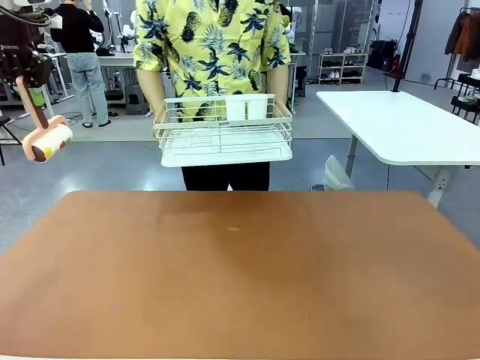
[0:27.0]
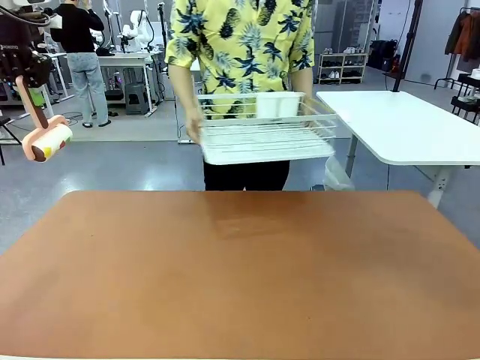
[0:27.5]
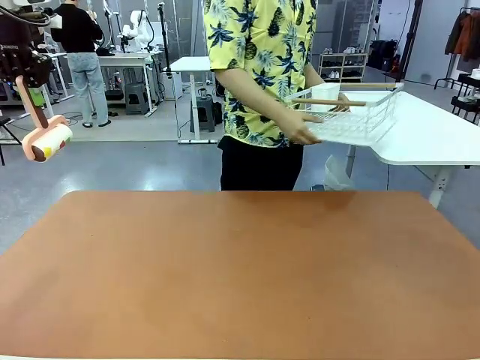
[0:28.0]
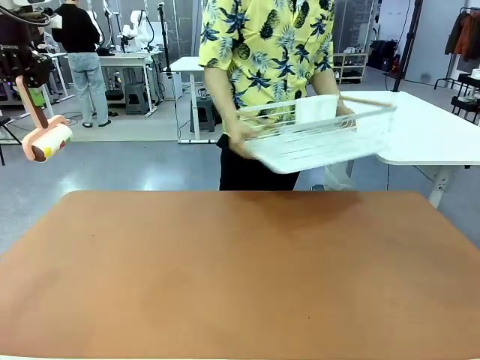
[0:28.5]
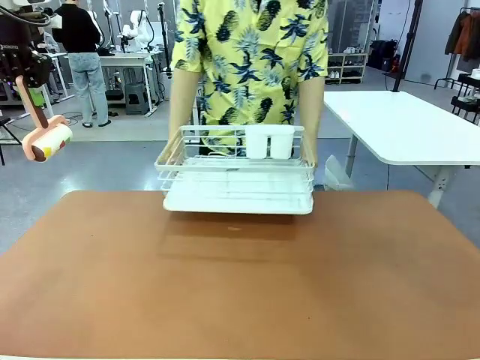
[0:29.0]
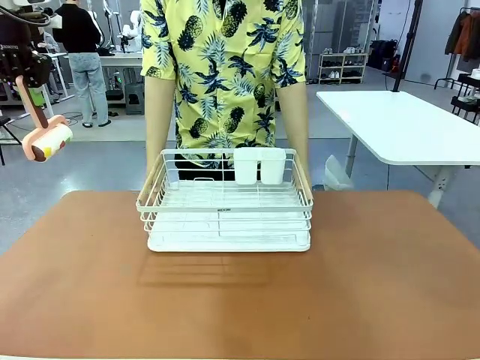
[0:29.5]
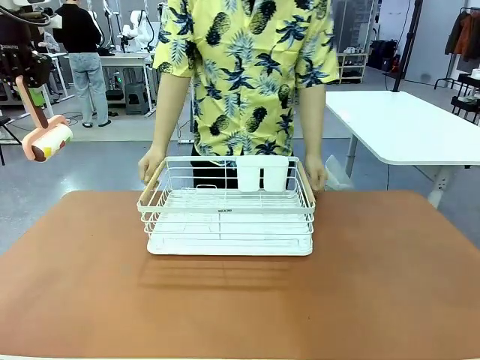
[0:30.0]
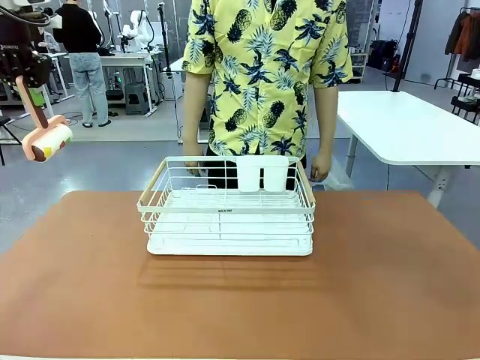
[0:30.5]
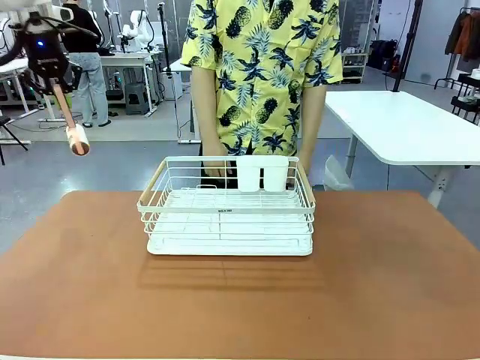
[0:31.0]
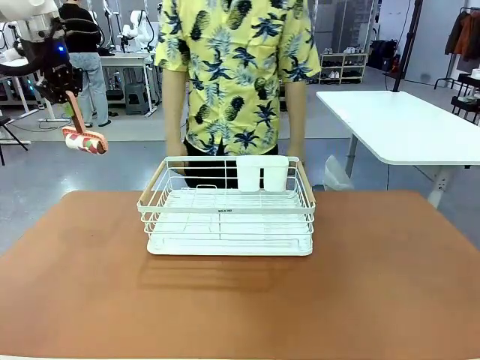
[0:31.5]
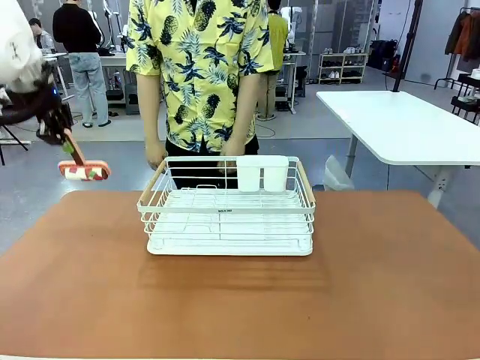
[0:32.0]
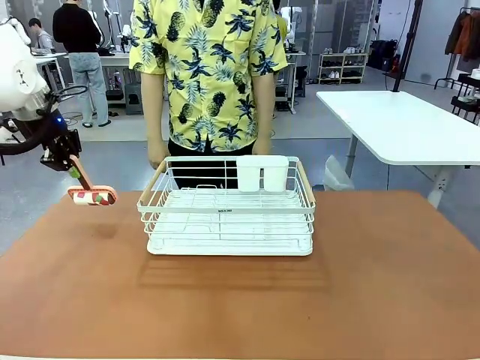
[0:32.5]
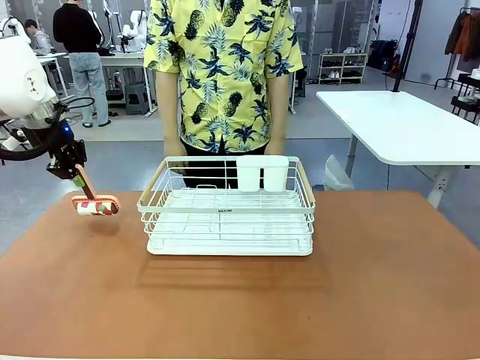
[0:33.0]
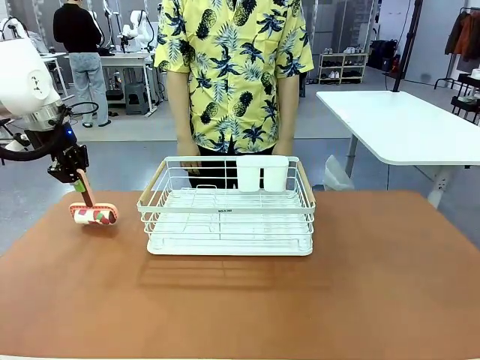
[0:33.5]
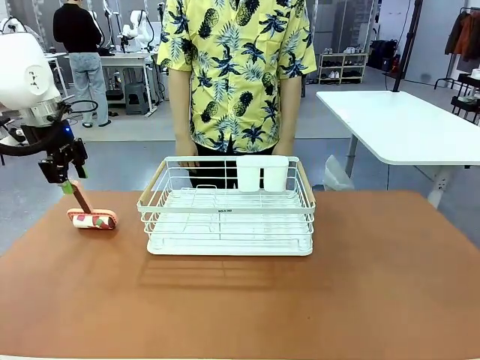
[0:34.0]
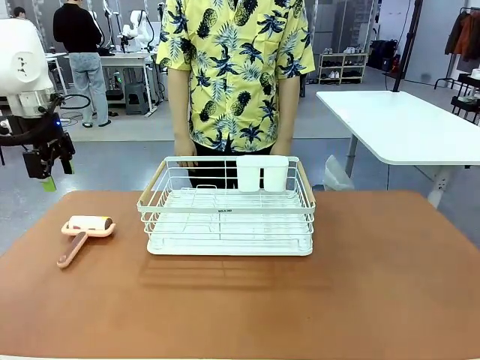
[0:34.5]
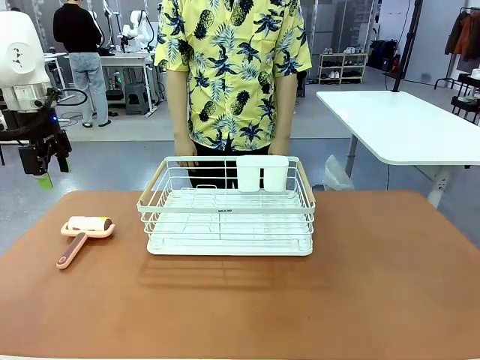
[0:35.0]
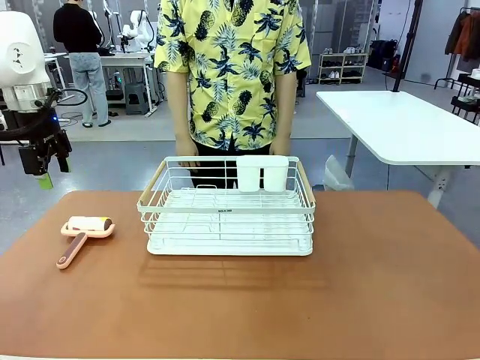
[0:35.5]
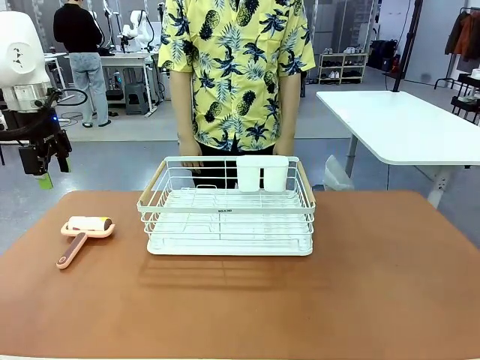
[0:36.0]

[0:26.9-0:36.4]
Task: Clean the table.
Robot: Place the Lint Roller down when the Dish drying rack is positioned in the middle of the table.

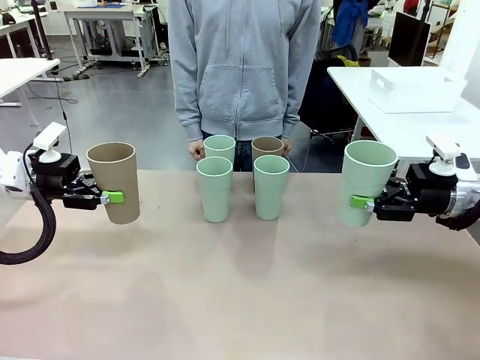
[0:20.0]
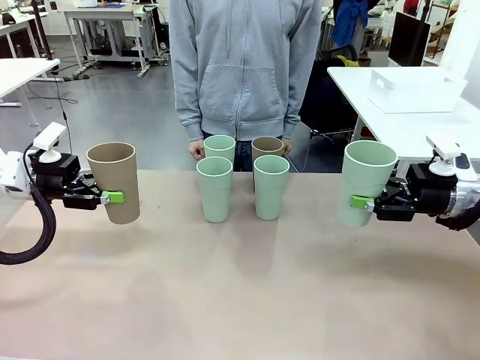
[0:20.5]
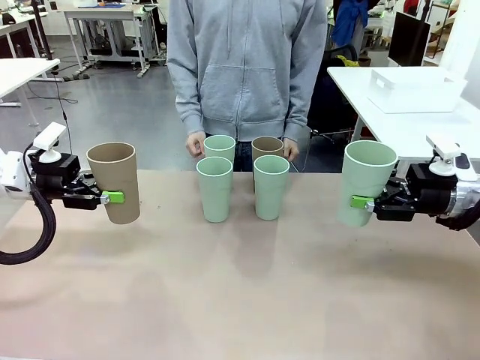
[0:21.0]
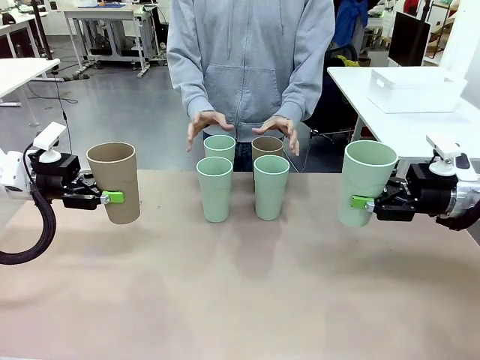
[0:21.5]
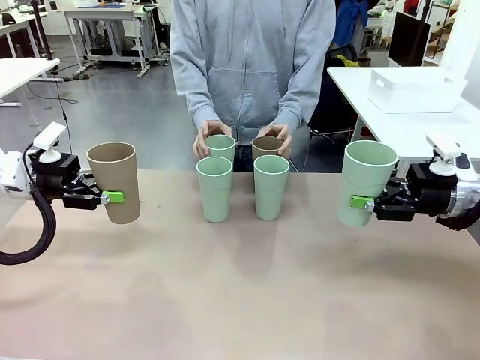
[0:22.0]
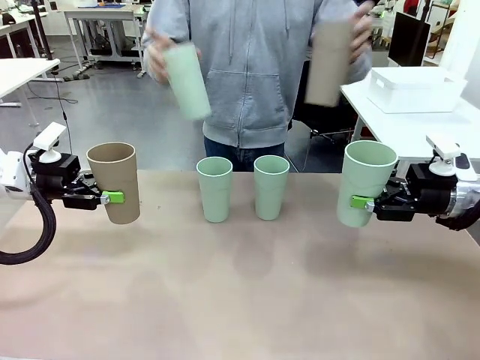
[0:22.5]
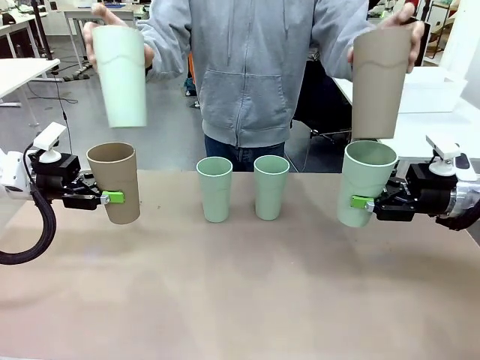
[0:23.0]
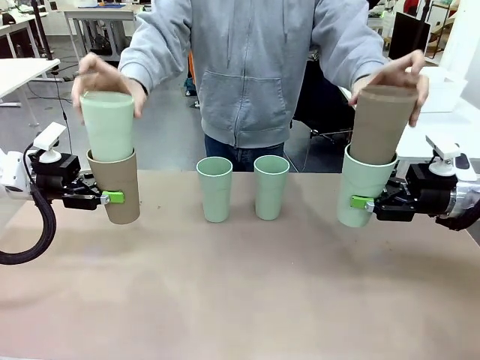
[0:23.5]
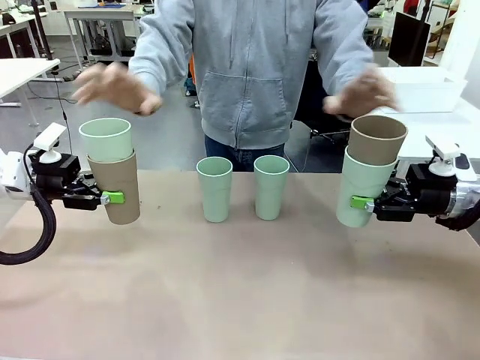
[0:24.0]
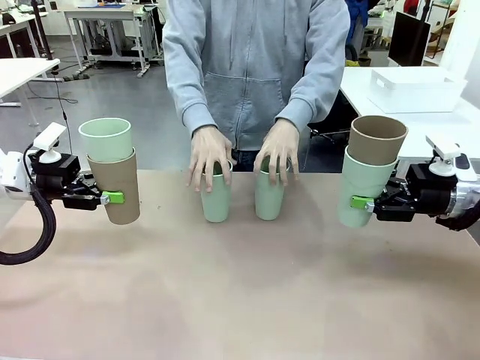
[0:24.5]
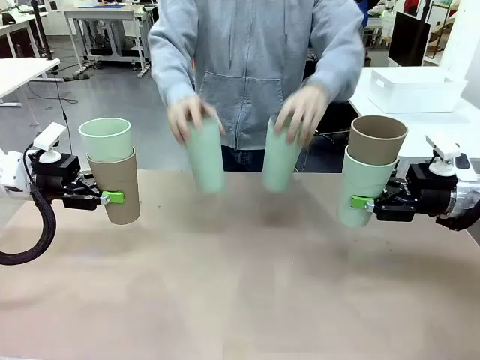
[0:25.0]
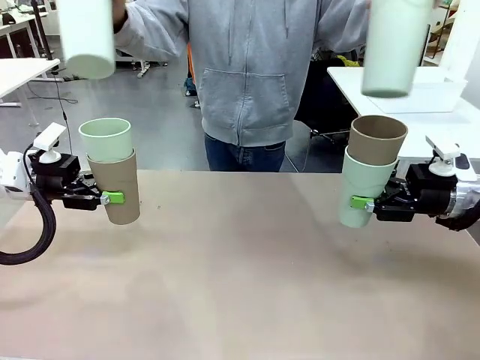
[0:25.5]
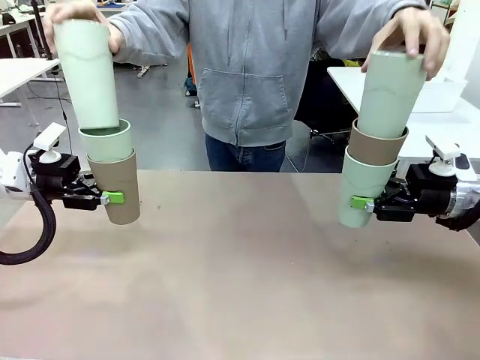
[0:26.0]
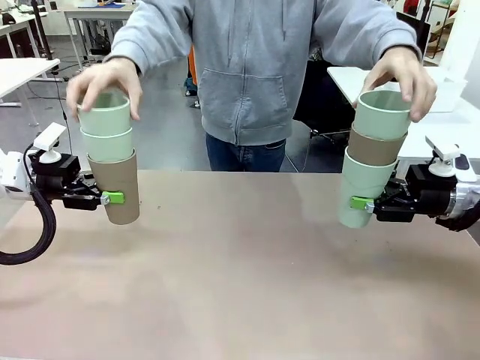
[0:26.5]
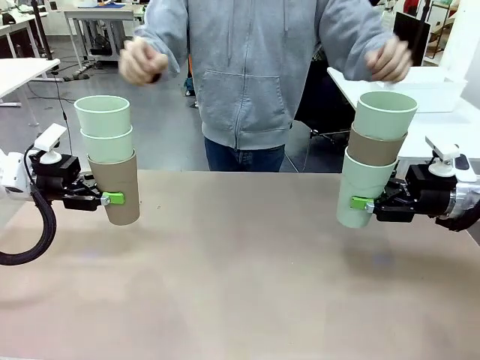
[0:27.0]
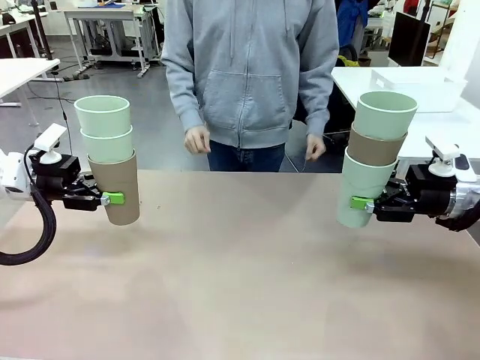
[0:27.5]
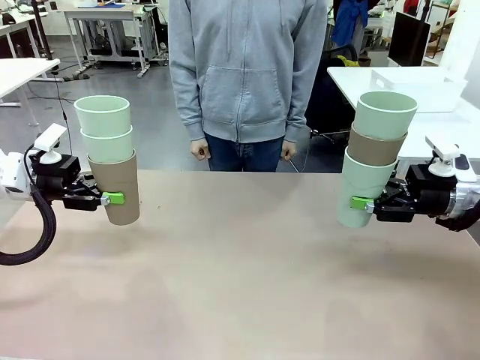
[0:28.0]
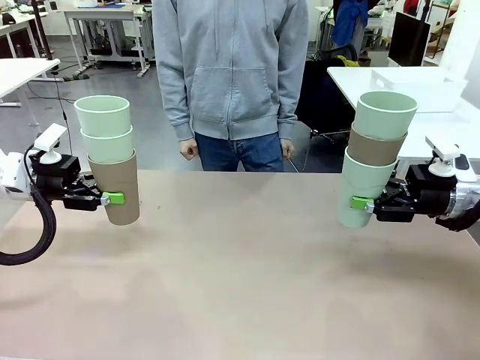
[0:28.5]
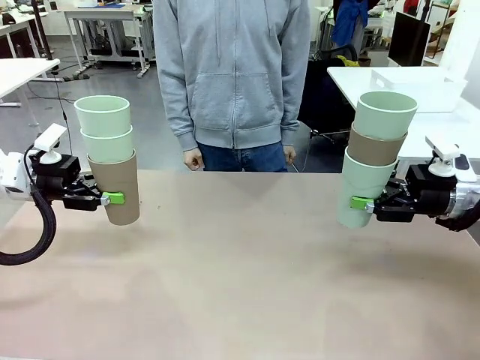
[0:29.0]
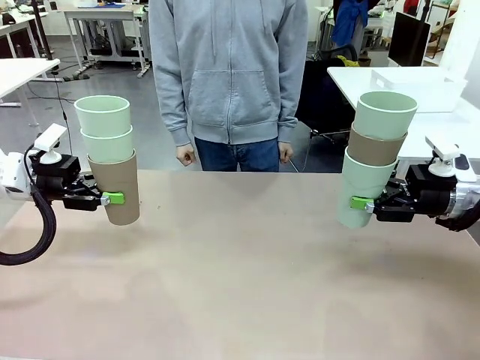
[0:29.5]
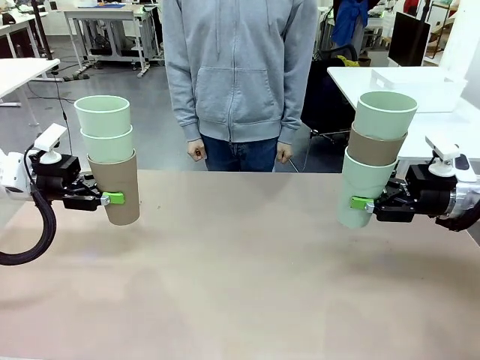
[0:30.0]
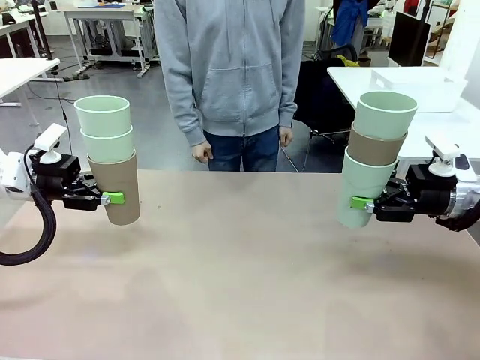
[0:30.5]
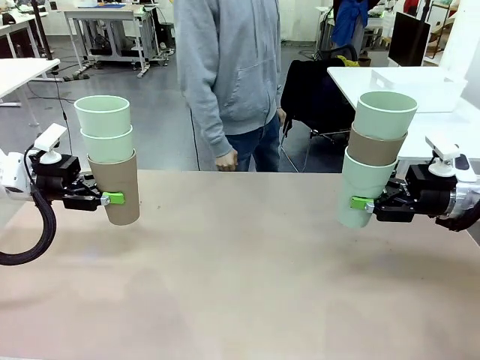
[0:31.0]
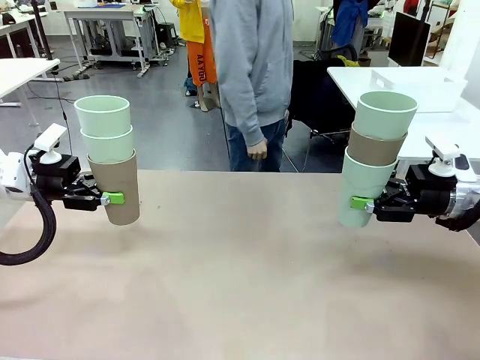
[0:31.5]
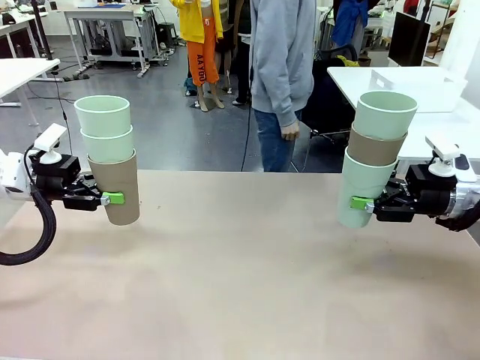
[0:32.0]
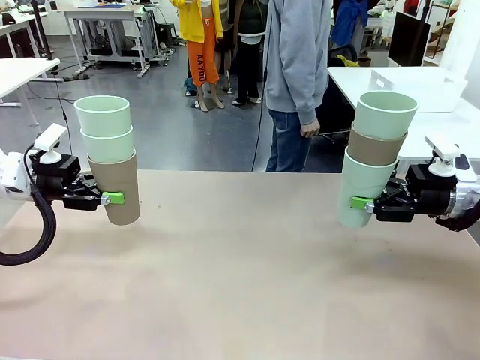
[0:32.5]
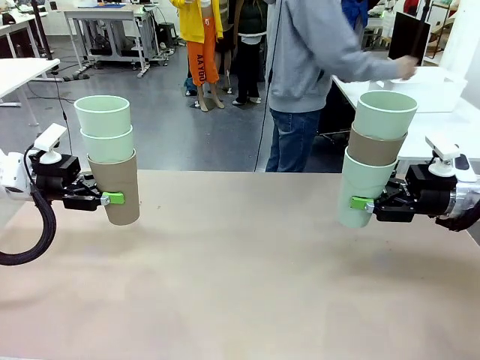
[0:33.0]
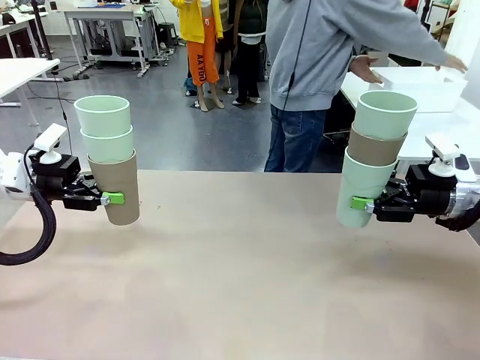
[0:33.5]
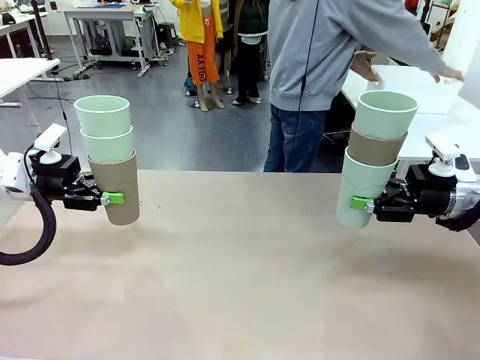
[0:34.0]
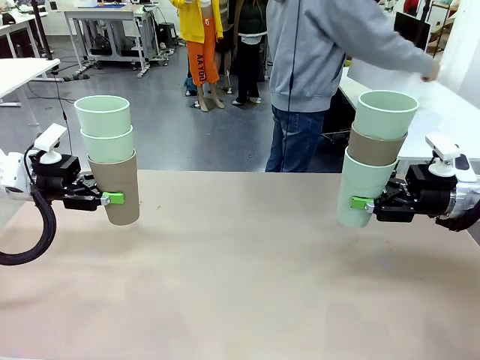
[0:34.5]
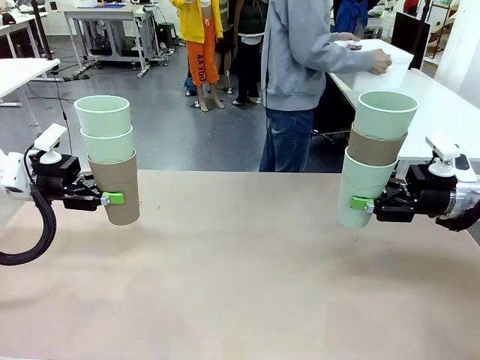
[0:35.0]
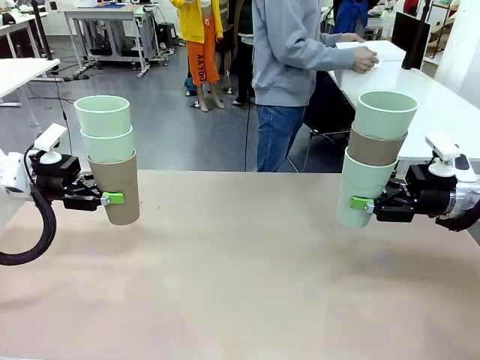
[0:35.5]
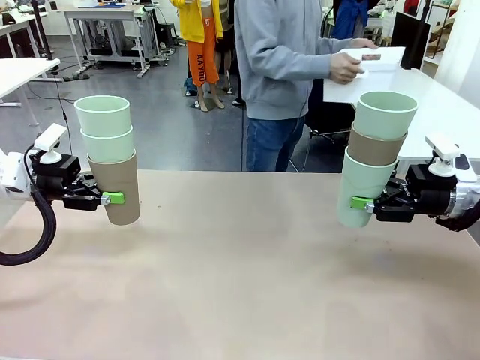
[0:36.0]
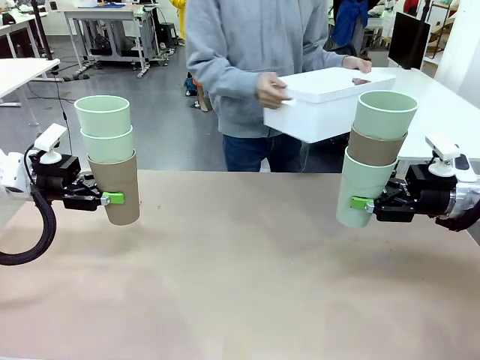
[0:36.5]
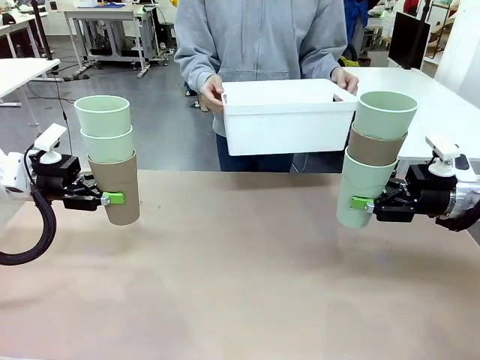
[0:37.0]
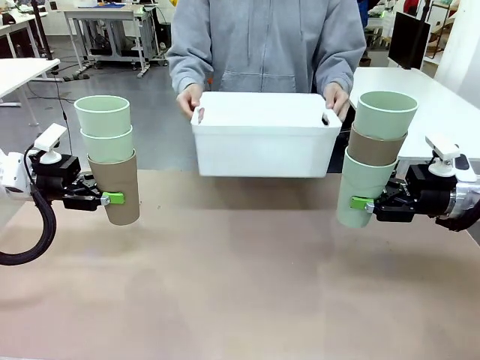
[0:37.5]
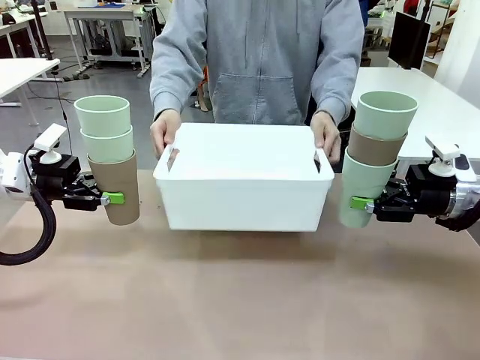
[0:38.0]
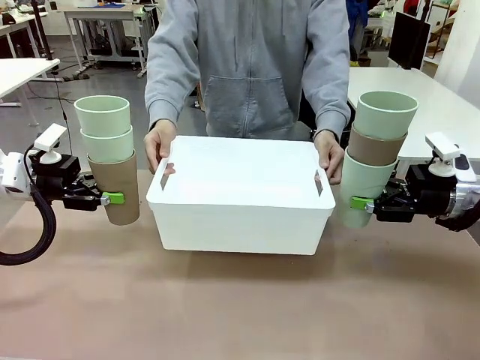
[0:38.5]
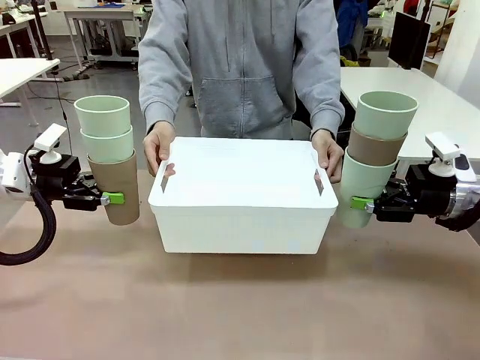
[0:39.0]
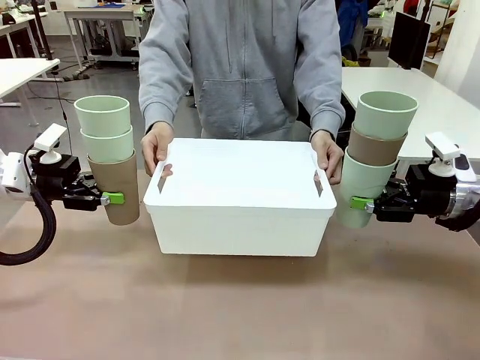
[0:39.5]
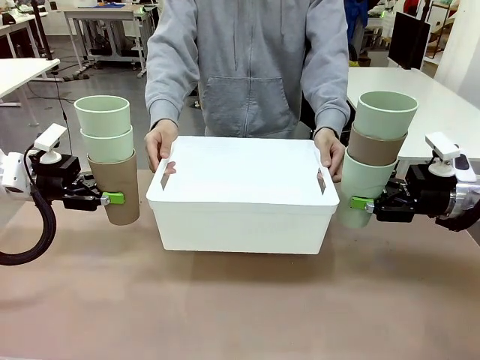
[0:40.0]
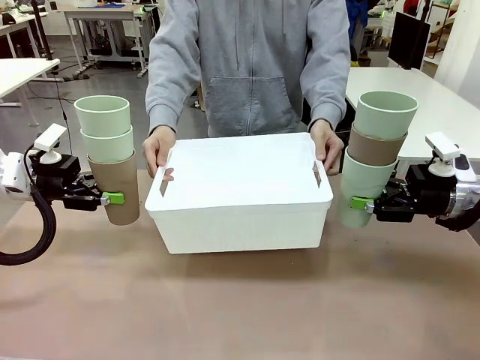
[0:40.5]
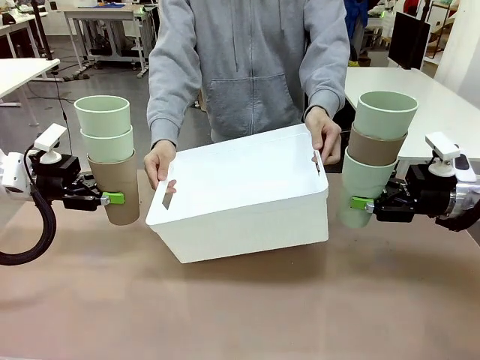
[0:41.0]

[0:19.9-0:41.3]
Task: Stack the cups and store them in the basket.
Robot: Place the stack of Reusable plastic cups into the Pantry Basket.
Person: Pick up the basket from the Human Table, bring it to the front of the robot, and present it.
